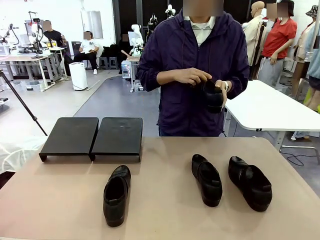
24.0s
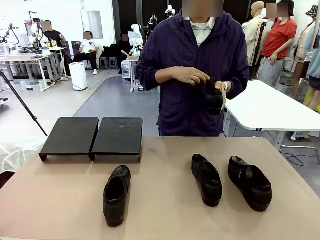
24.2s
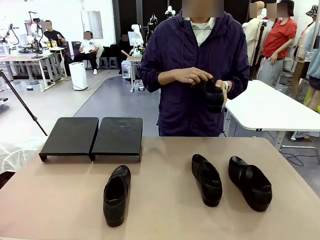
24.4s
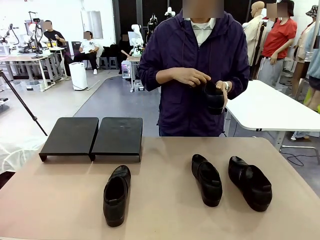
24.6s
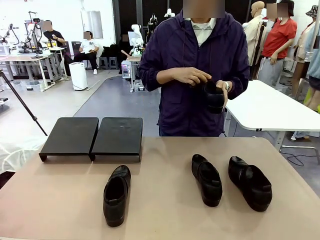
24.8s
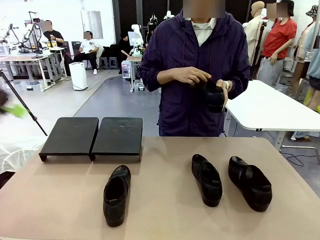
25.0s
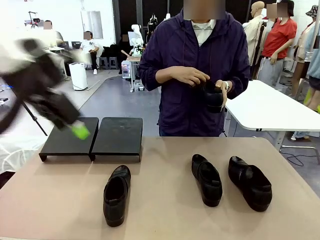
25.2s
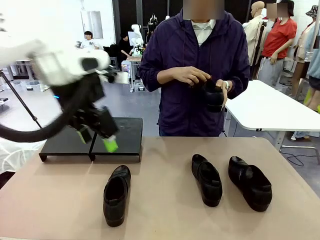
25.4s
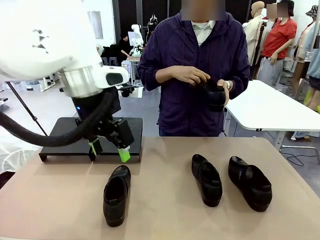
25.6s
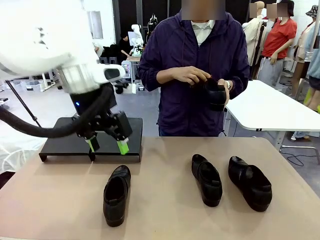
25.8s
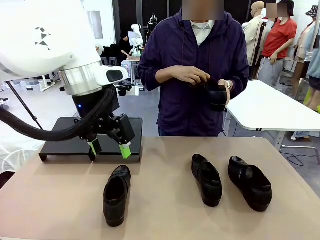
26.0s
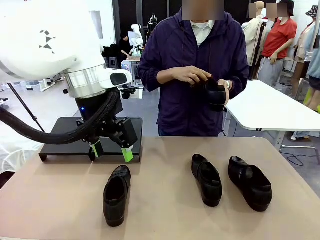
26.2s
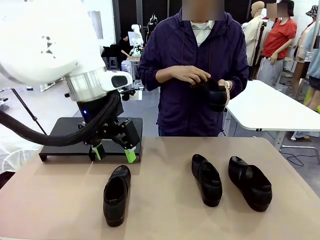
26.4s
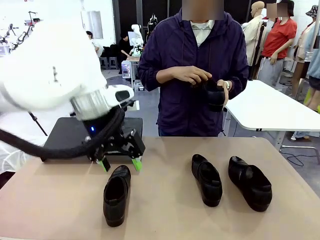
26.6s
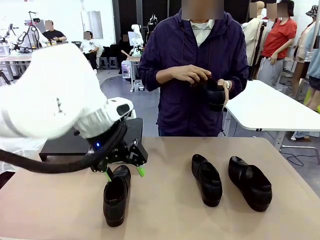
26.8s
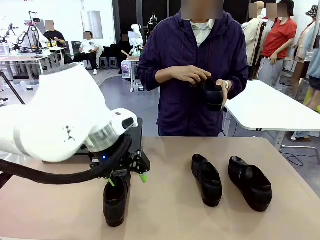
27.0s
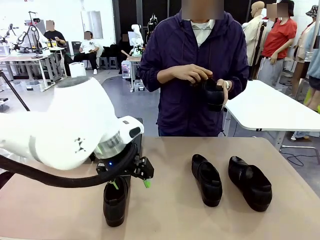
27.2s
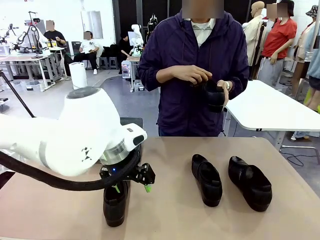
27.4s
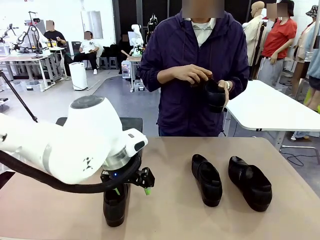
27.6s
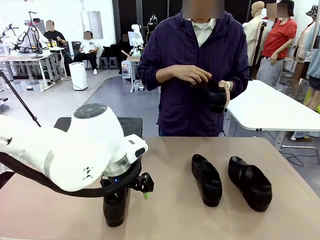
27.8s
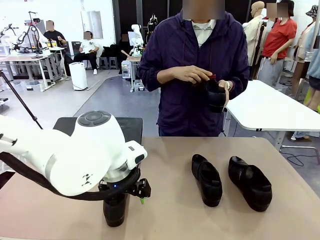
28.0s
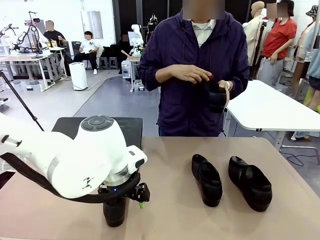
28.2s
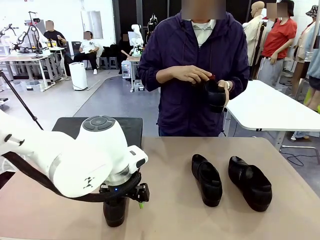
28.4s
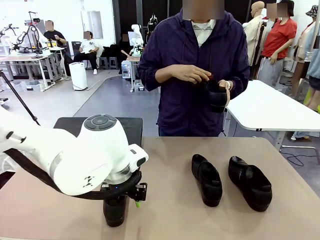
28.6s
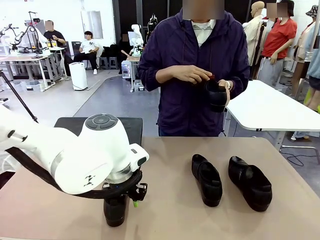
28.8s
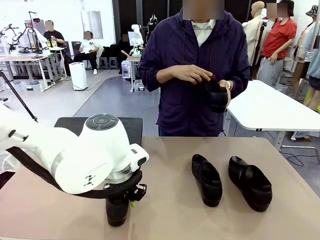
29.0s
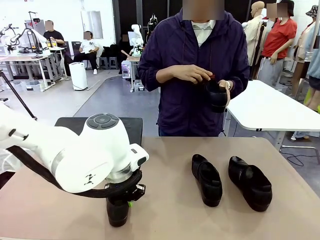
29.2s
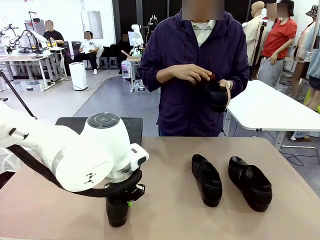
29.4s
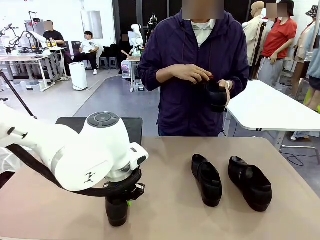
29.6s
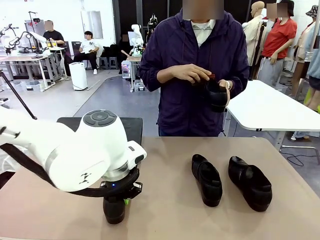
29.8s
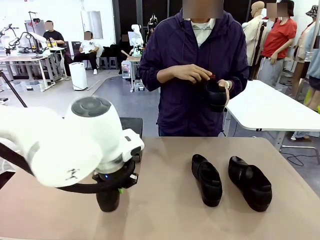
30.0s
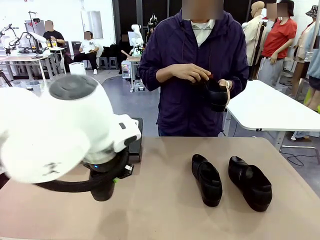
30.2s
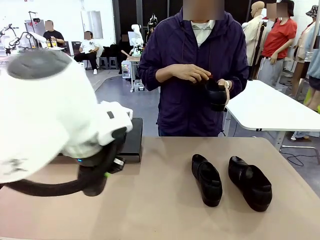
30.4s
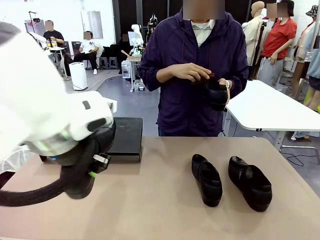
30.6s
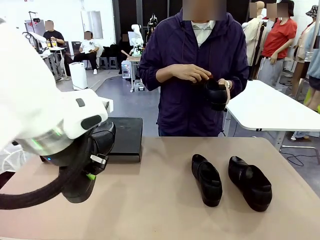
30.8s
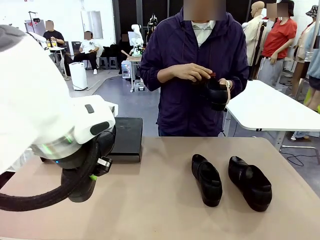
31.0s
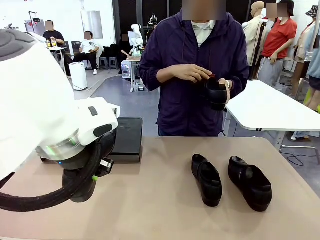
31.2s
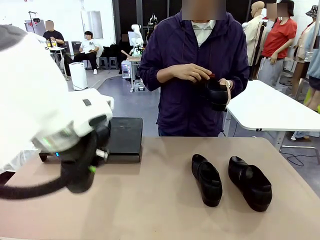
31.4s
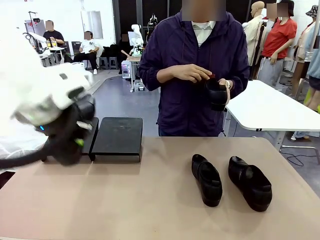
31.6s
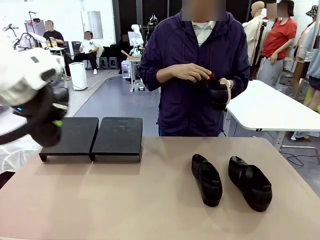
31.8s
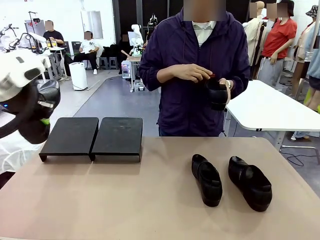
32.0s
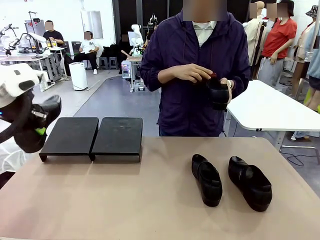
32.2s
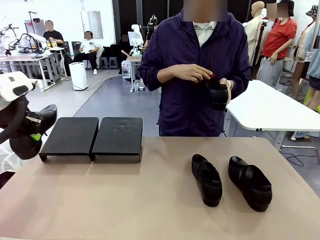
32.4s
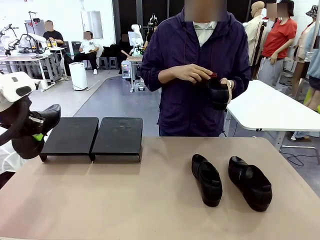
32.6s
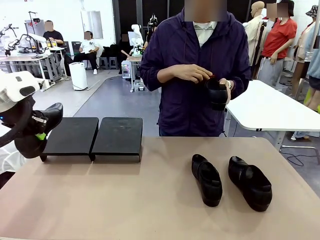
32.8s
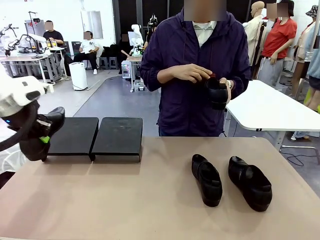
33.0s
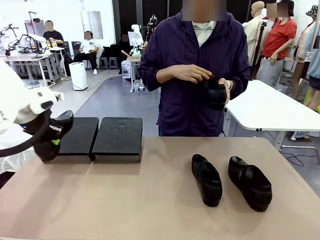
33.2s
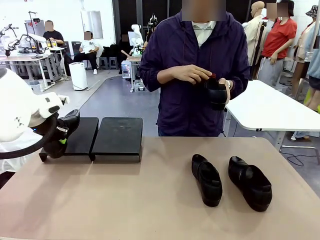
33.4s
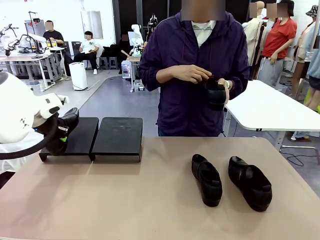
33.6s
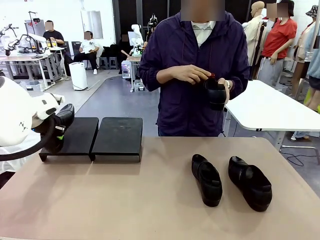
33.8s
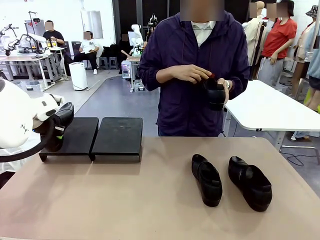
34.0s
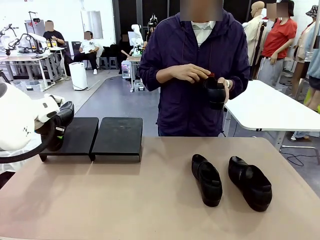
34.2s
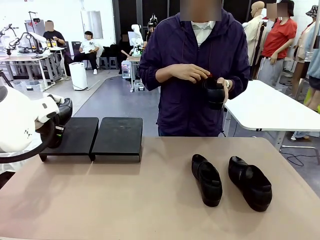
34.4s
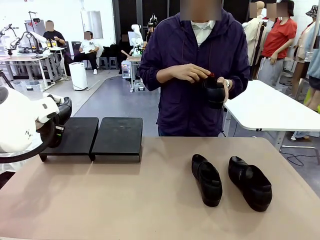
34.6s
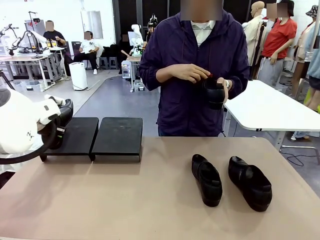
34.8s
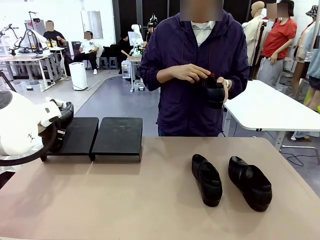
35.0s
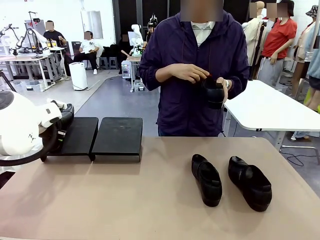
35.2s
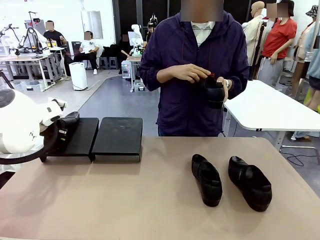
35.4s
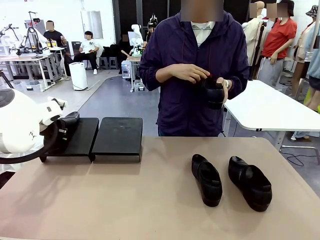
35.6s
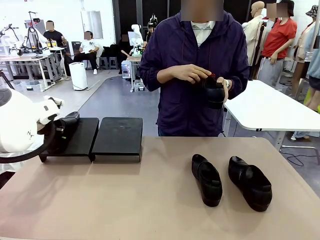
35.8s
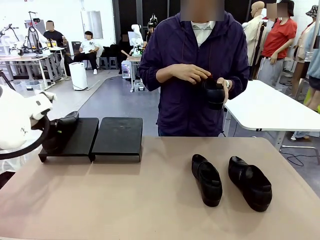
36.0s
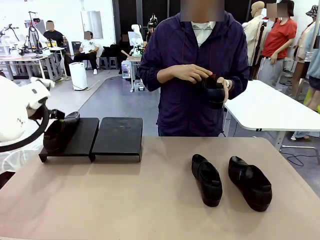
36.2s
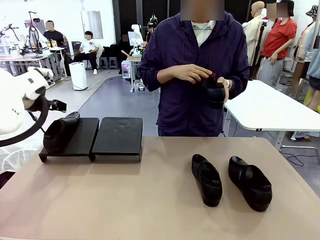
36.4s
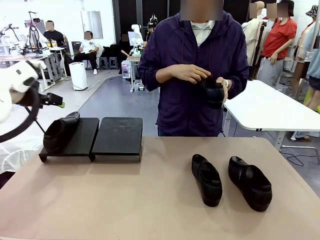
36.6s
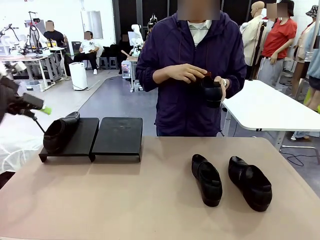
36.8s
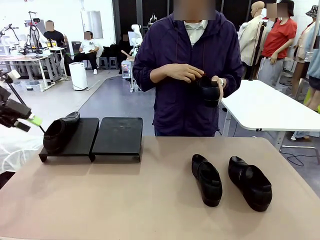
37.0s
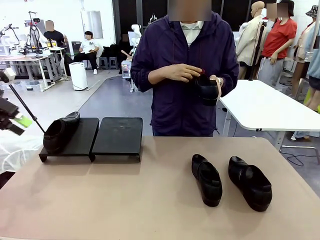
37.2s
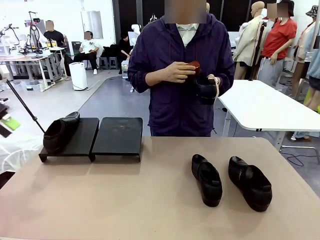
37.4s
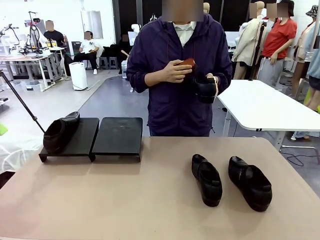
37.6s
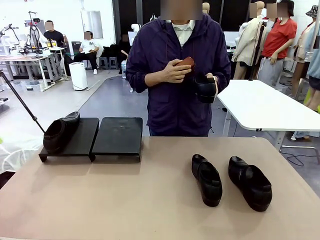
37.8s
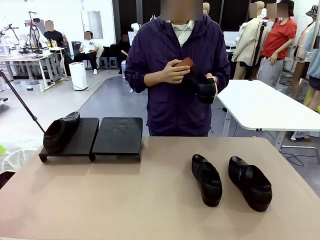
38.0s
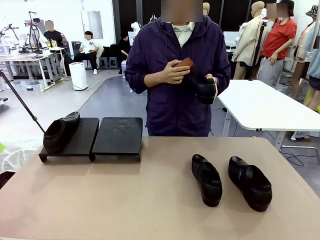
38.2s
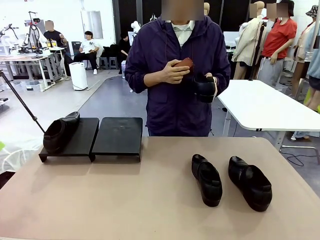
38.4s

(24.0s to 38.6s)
Task: Organize the shoes by placing them on the stand.
Robot: Place the Shoe from the middle of the table onto the Shoes Stand.
Person: Clean the Shoe with the Shoe Brush.
